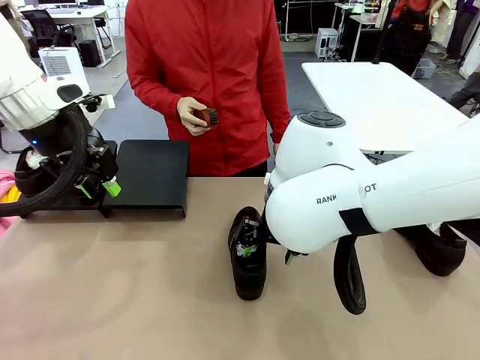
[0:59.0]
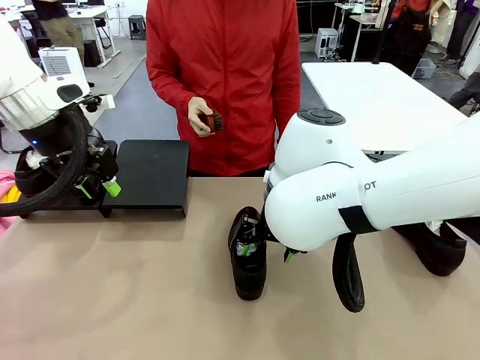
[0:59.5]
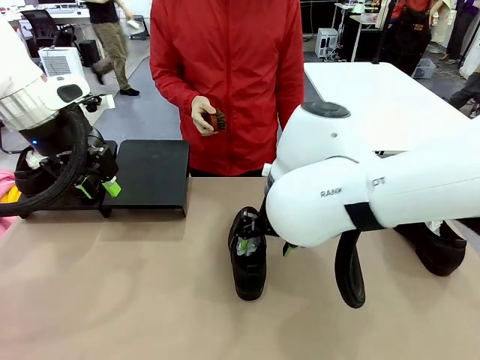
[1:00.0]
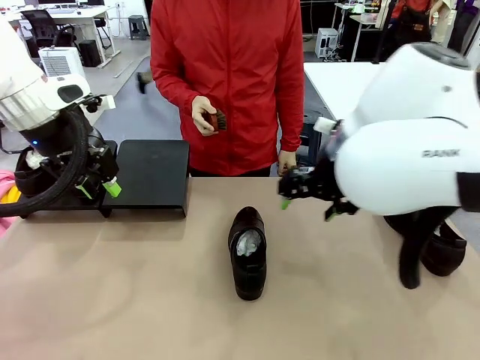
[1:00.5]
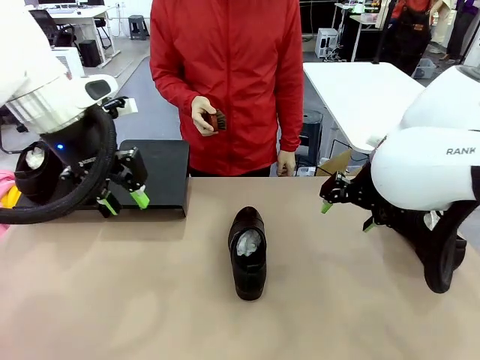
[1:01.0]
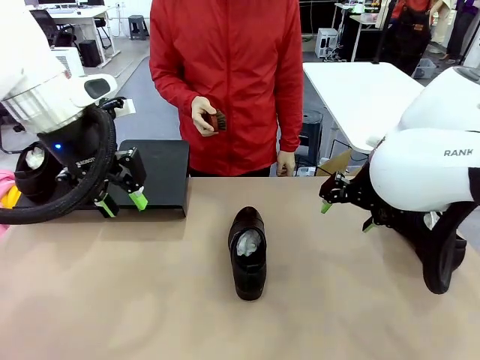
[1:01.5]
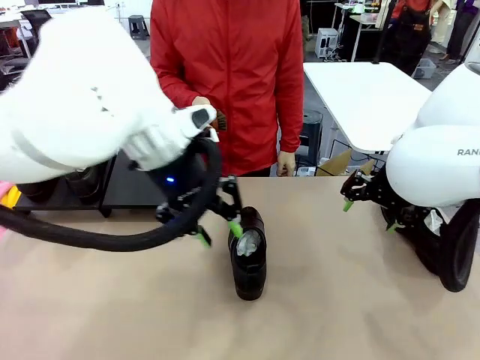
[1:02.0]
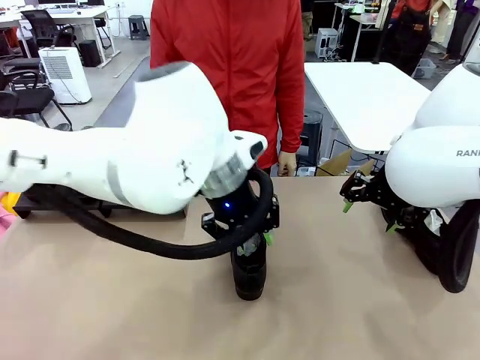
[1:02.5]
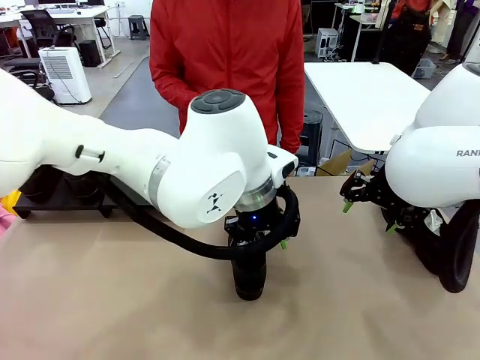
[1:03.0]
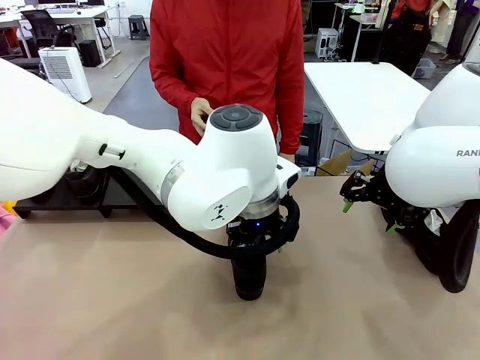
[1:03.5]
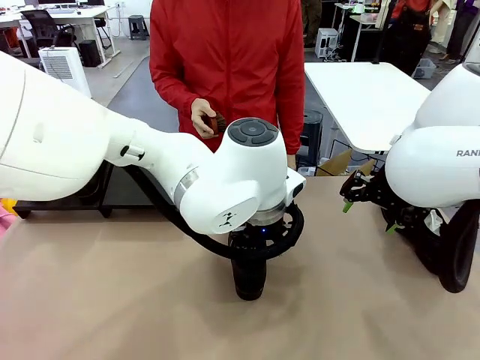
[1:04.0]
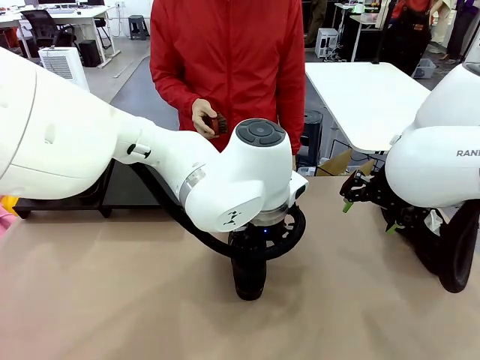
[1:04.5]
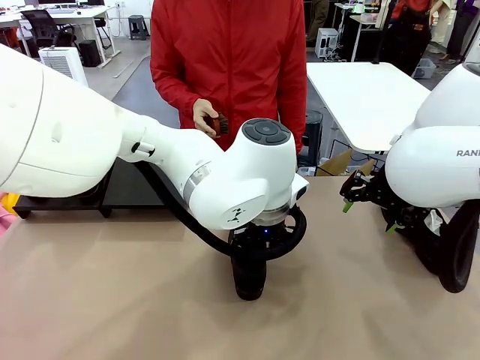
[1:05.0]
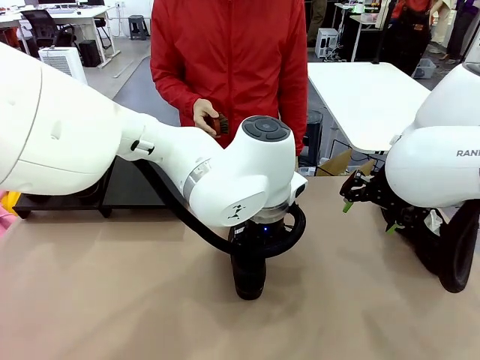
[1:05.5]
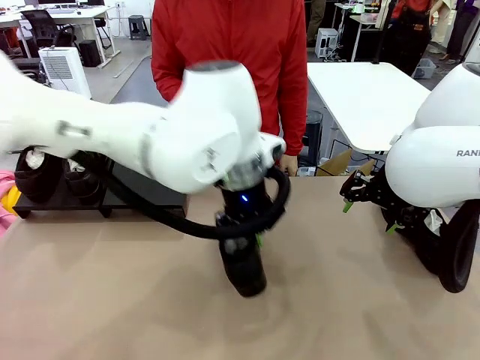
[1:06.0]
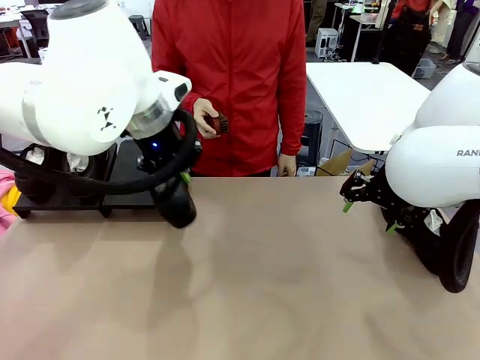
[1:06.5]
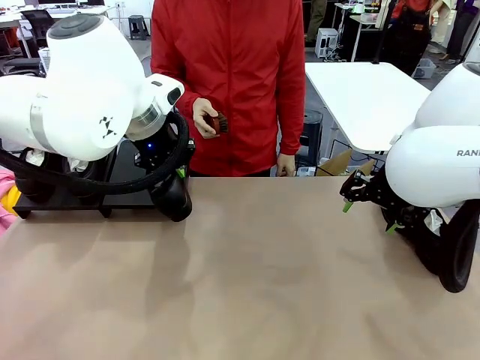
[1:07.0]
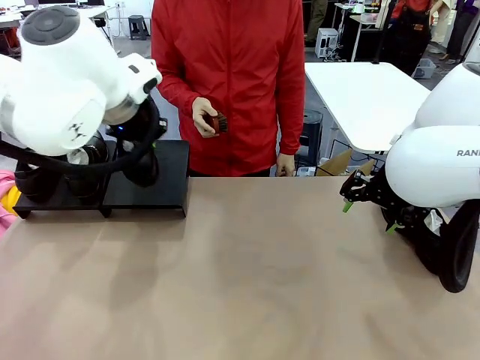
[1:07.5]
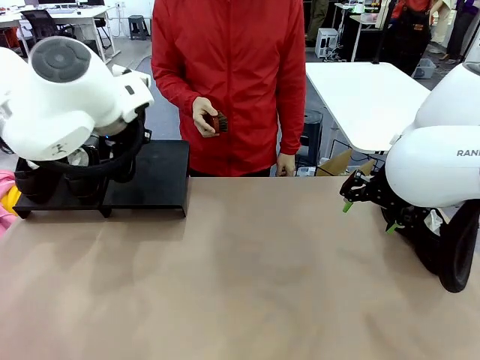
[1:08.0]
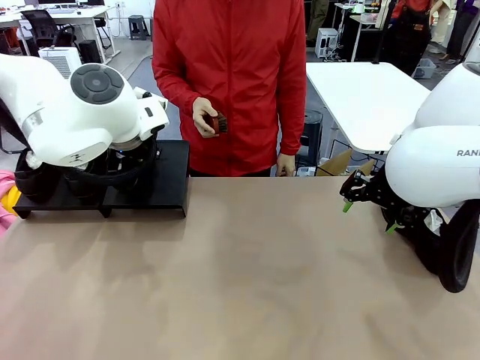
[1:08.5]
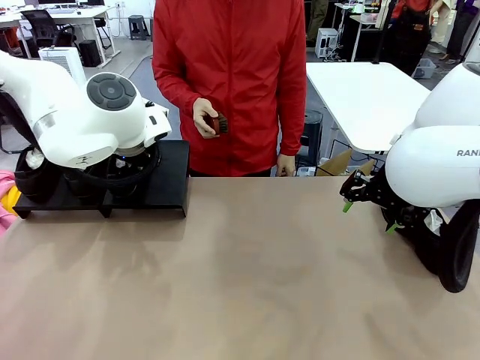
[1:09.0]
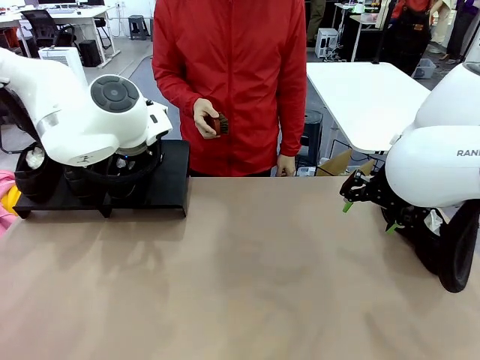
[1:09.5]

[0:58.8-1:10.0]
Task: Organize the shoes by placing them on the stand.
Robot: Place the Shoe from the middle of the table onto the Shoes Stand.

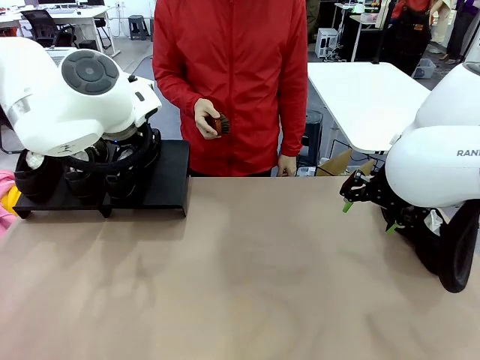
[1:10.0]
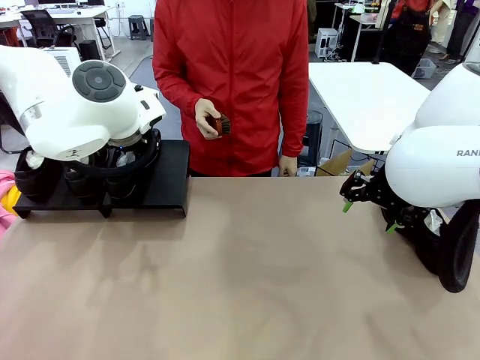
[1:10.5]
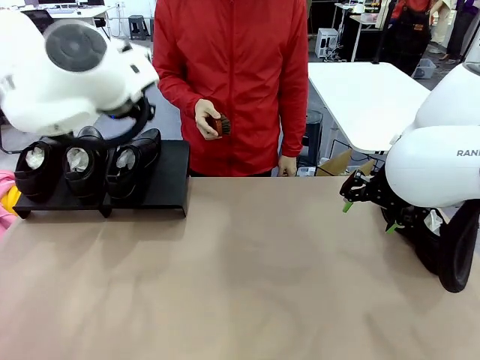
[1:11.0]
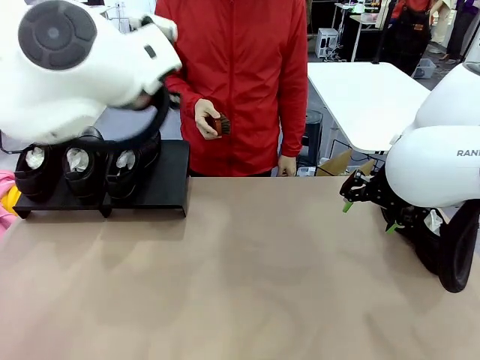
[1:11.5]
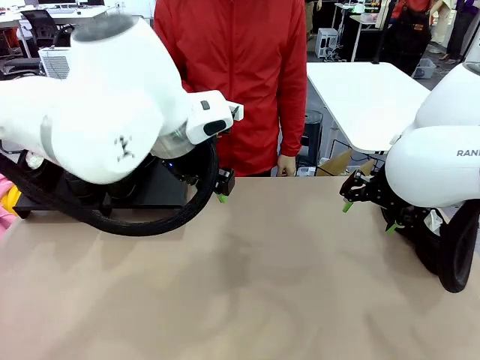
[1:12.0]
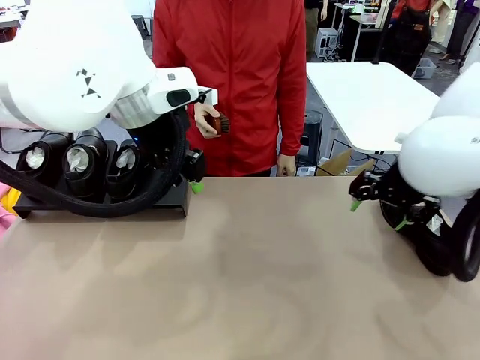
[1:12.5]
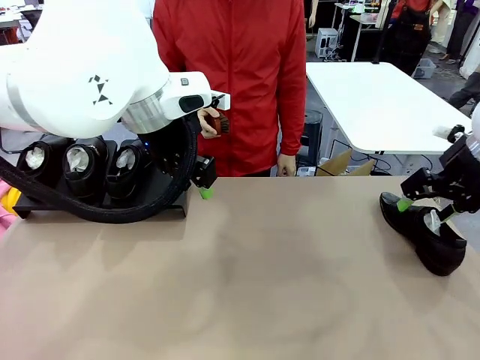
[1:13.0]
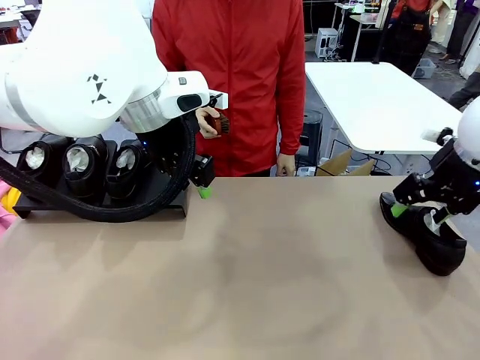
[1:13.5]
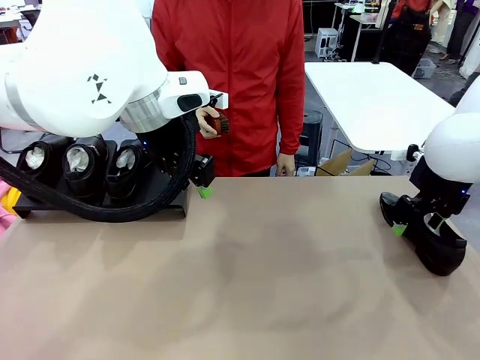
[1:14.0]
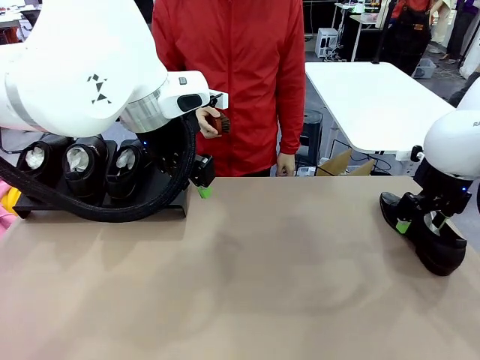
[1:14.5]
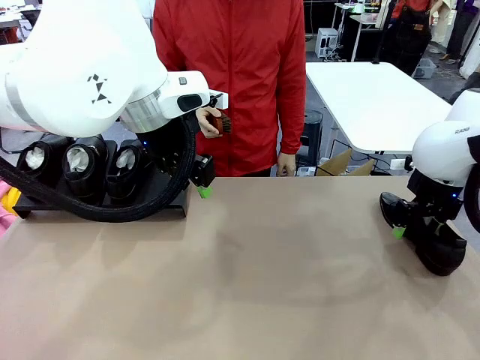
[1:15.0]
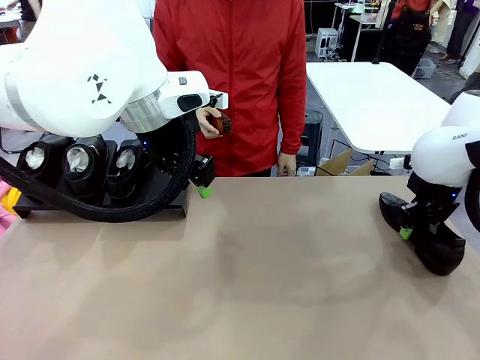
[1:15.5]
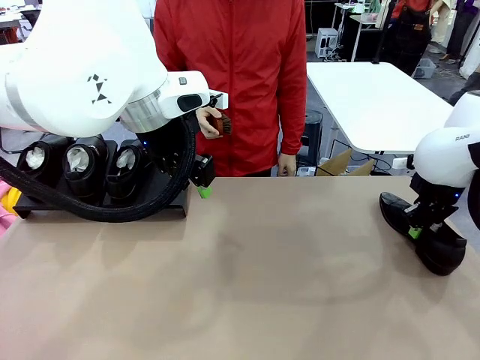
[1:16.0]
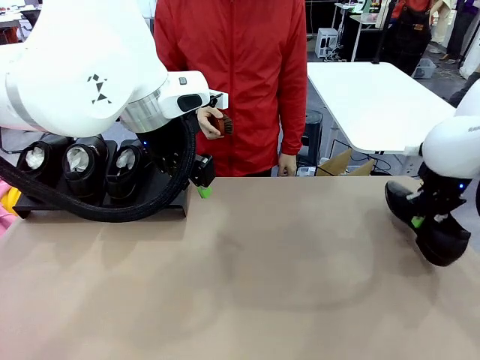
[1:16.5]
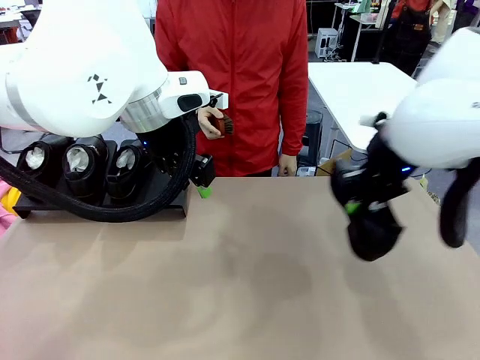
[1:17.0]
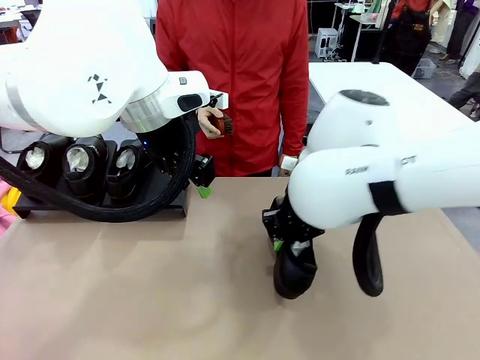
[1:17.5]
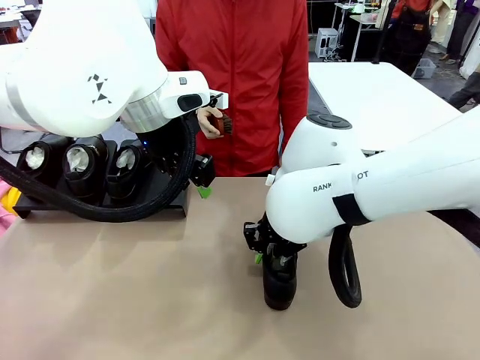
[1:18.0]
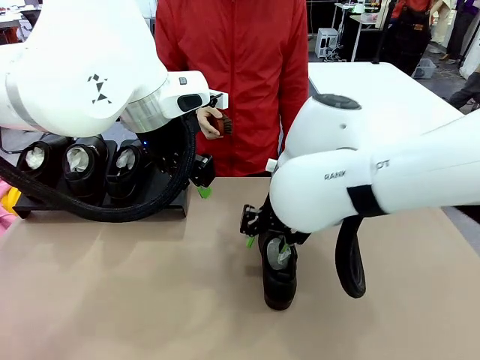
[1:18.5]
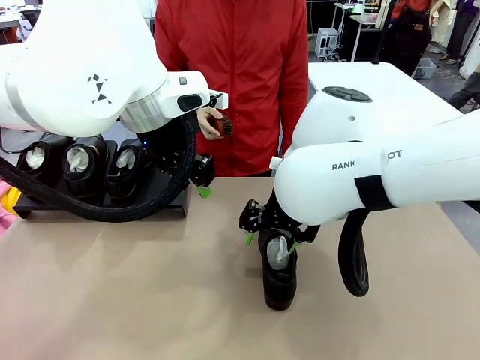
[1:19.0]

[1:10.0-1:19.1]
Robot: Pick up one Shoe and place it in the middle of the table.

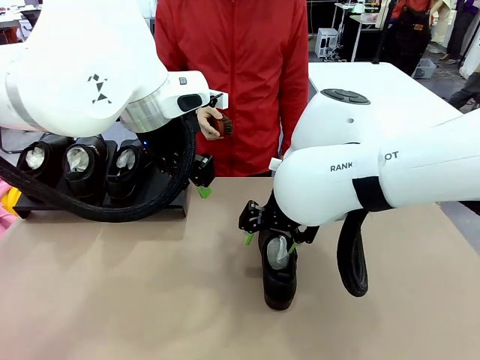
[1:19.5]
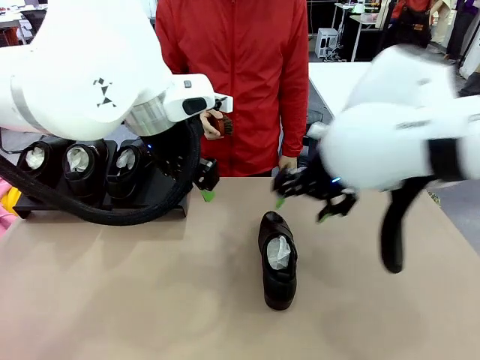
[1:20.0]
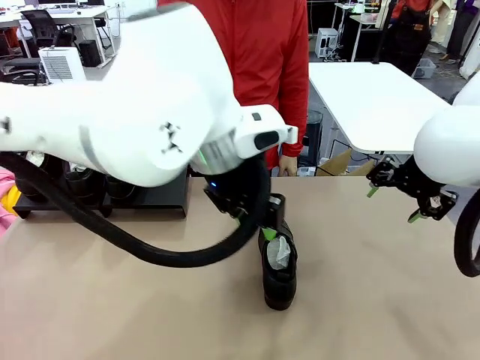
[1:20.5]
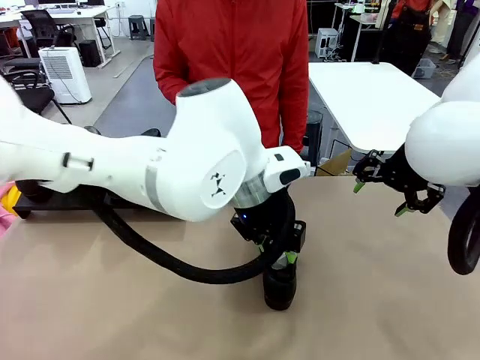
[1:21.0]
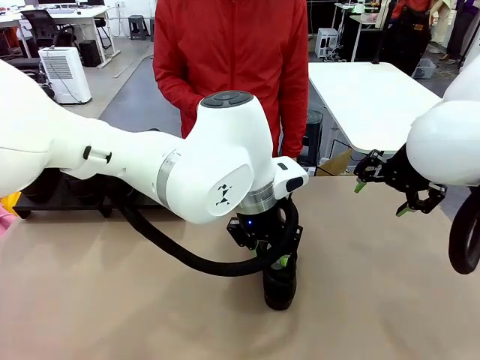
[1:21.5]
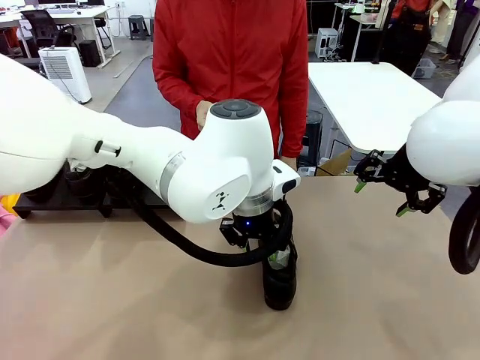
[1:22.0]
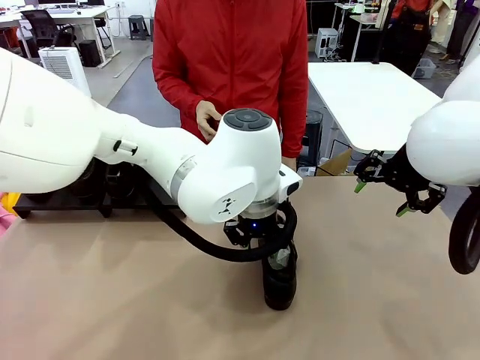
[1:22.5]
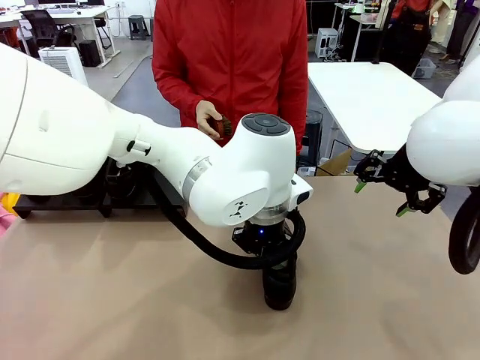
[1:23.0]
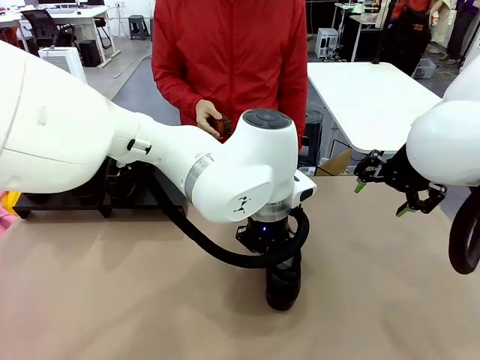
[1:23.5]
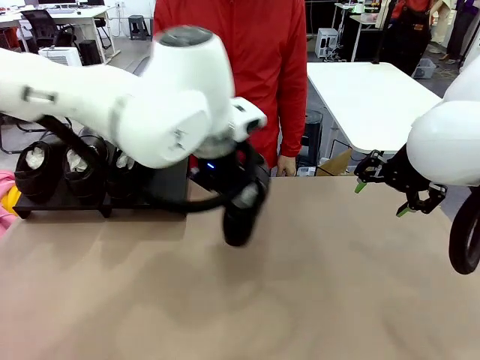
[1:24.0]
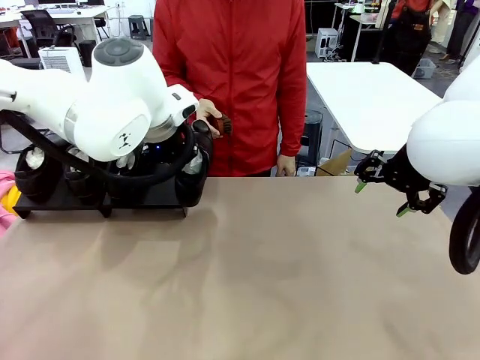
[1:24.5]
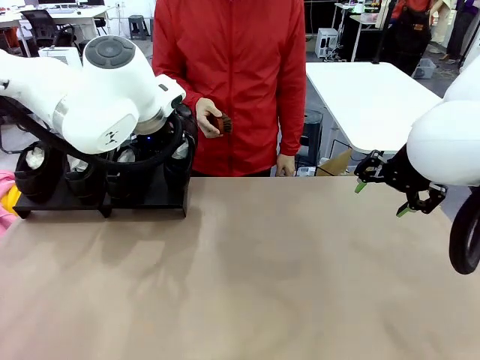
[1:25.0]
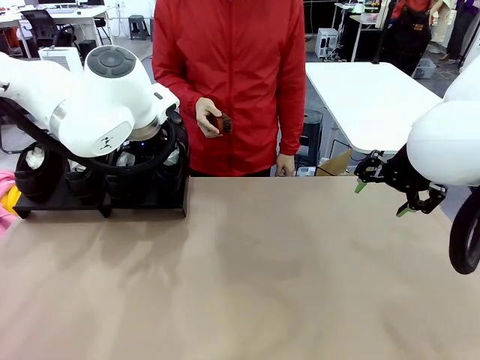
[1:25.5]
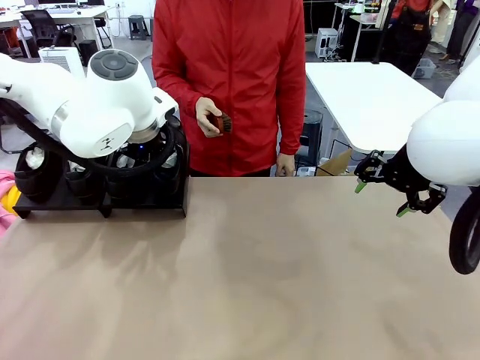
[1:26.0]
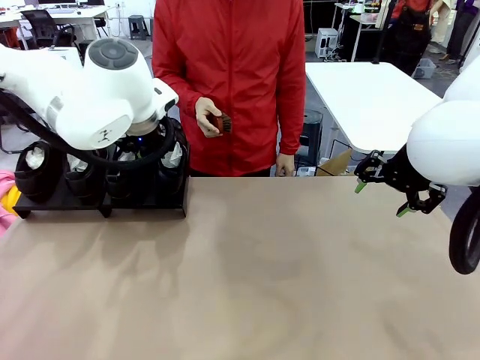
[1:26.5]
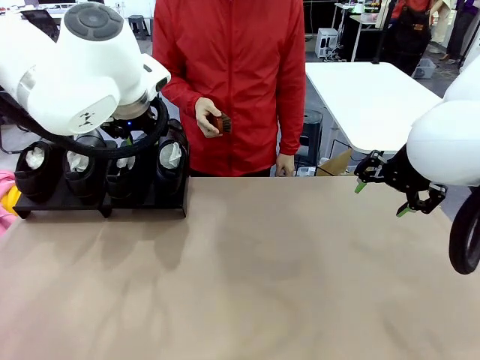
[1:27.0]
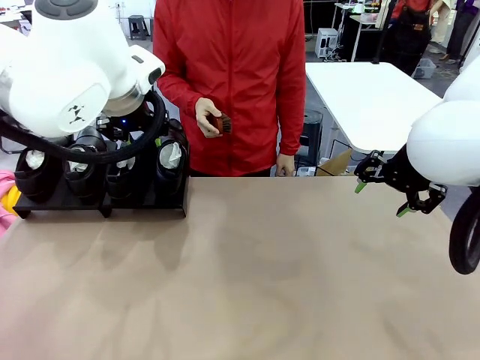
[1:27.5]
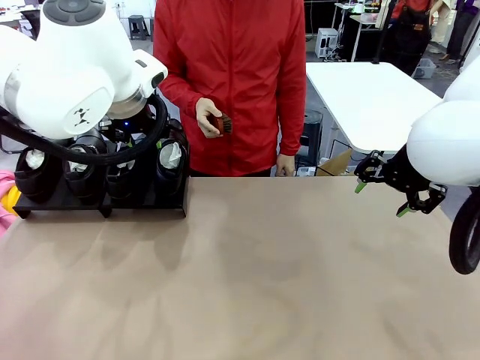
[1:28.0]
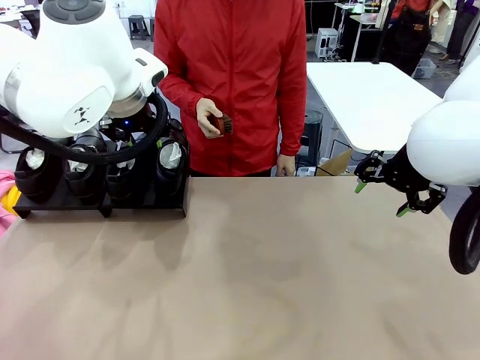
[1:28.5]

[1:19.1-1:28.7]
Robot: Place the Shoe from the middle of the table onto the Shoes Stand.
